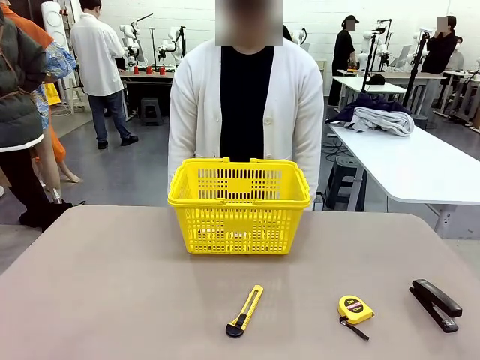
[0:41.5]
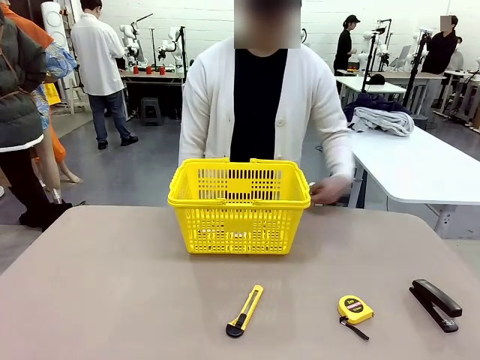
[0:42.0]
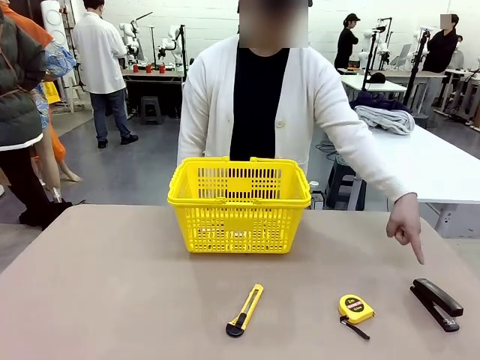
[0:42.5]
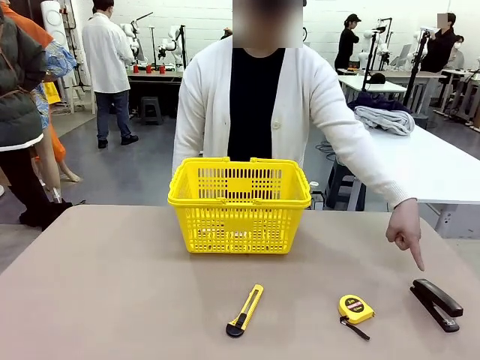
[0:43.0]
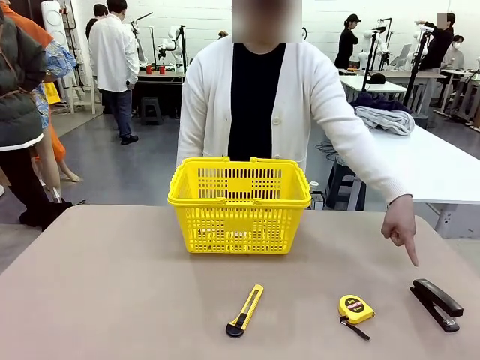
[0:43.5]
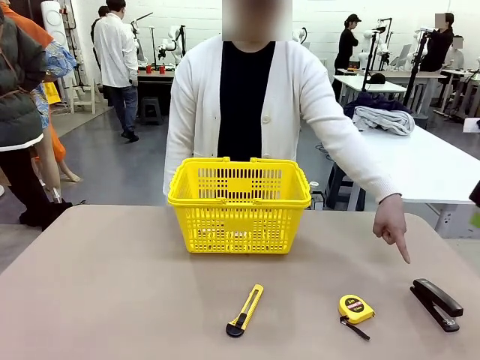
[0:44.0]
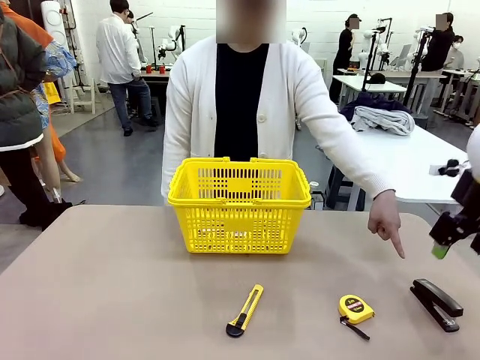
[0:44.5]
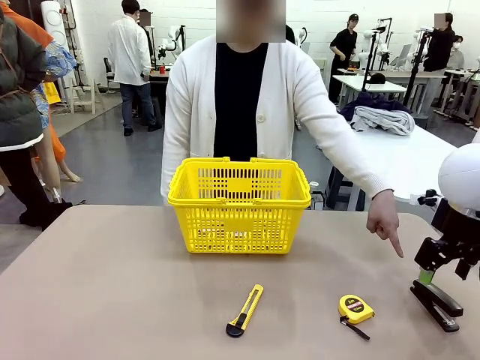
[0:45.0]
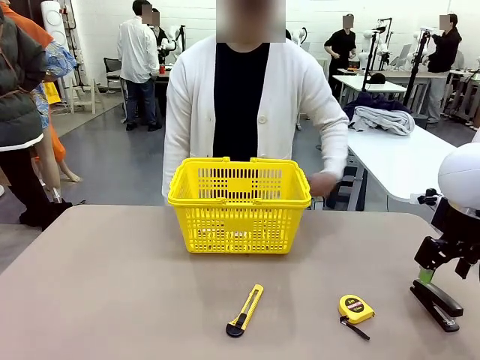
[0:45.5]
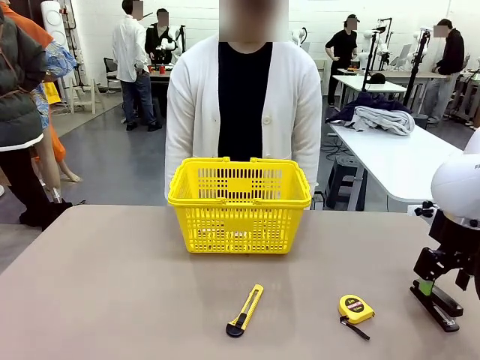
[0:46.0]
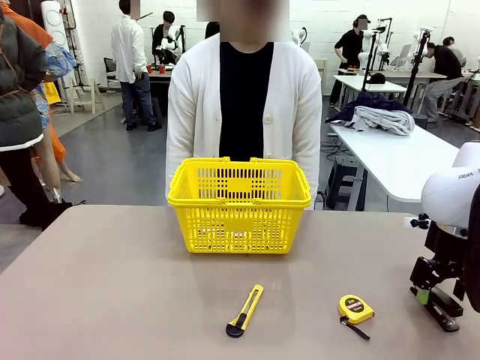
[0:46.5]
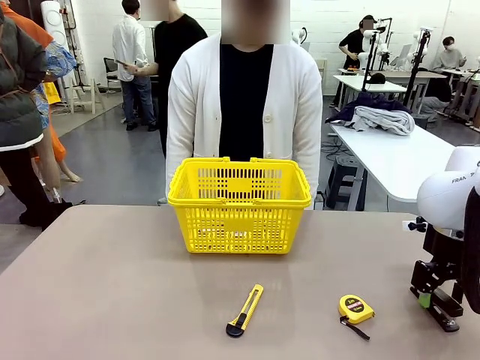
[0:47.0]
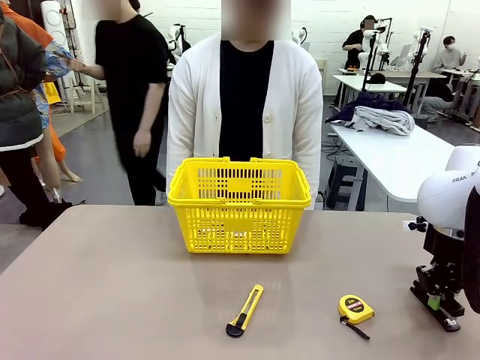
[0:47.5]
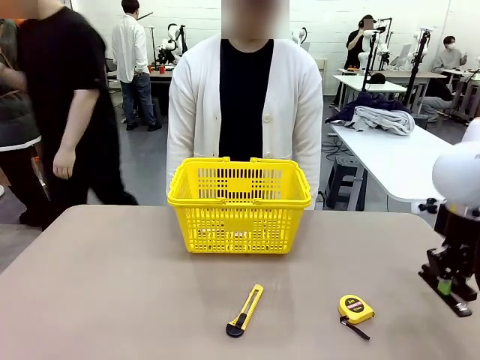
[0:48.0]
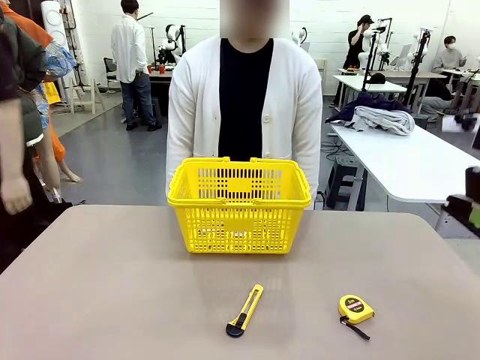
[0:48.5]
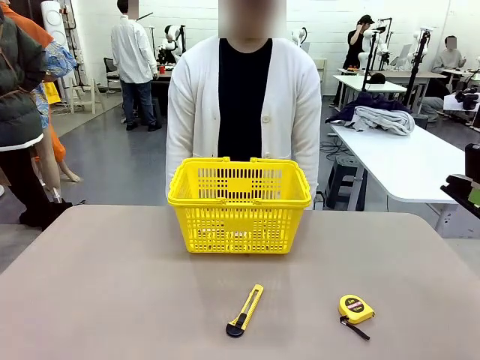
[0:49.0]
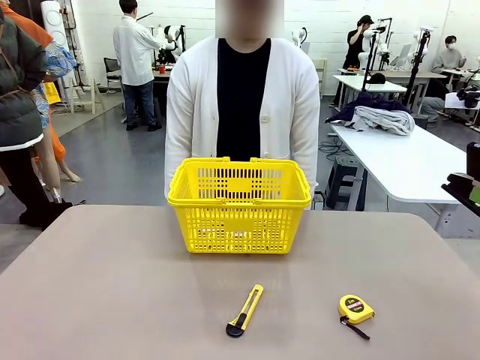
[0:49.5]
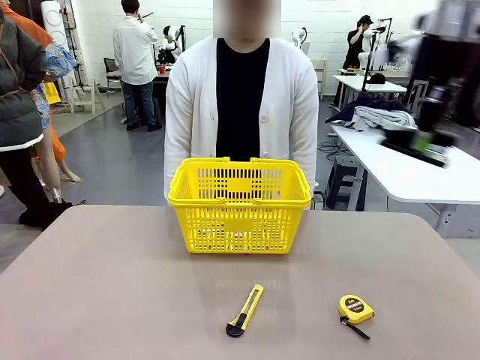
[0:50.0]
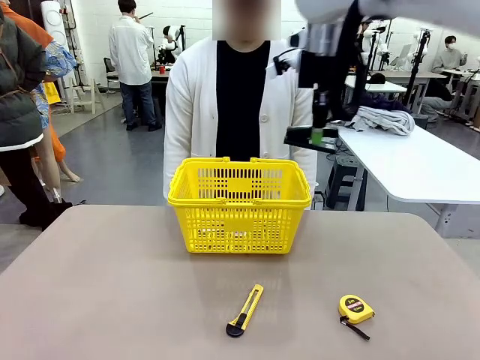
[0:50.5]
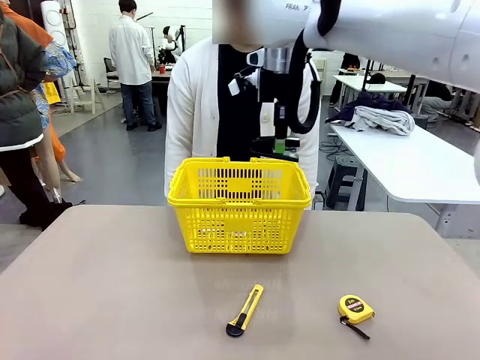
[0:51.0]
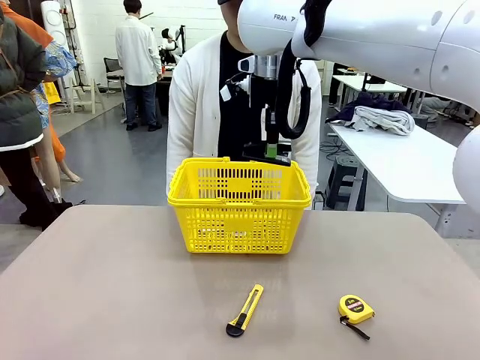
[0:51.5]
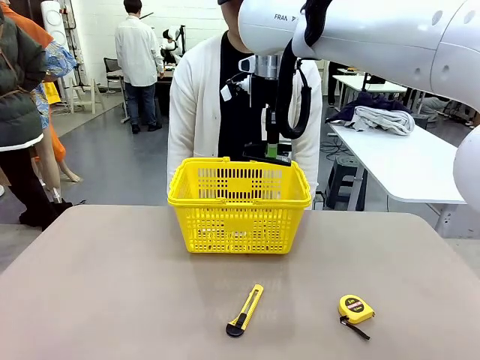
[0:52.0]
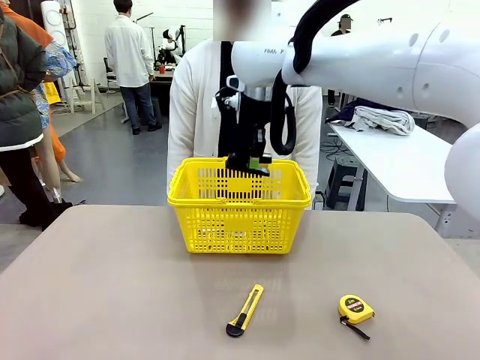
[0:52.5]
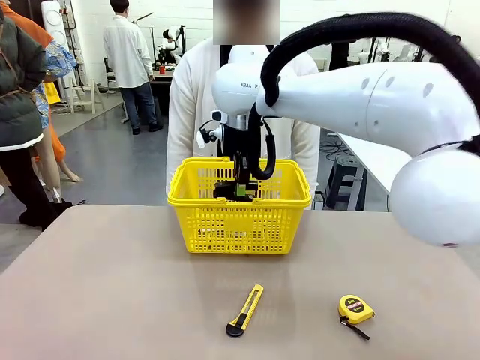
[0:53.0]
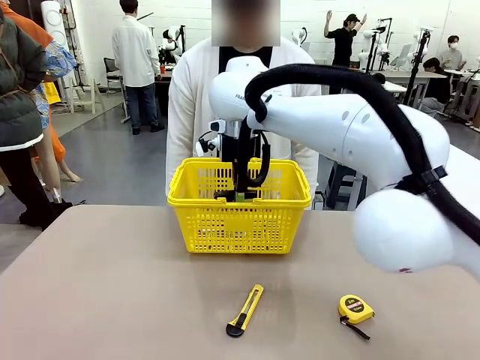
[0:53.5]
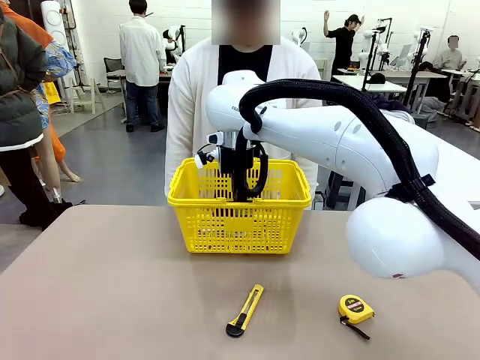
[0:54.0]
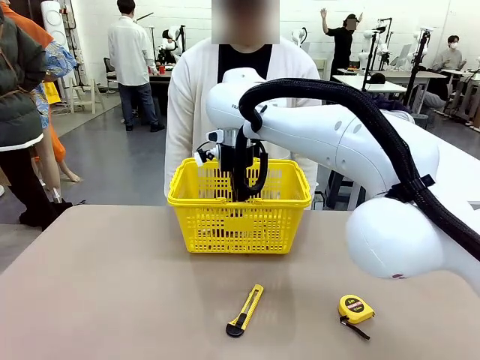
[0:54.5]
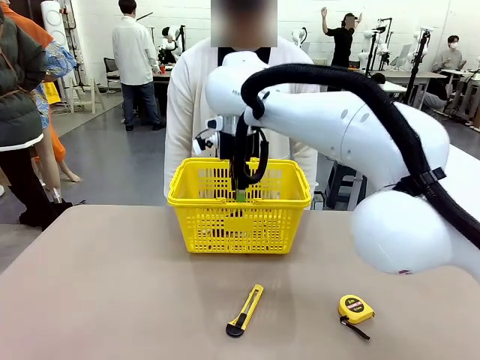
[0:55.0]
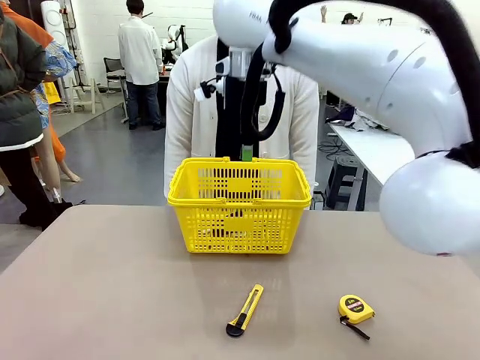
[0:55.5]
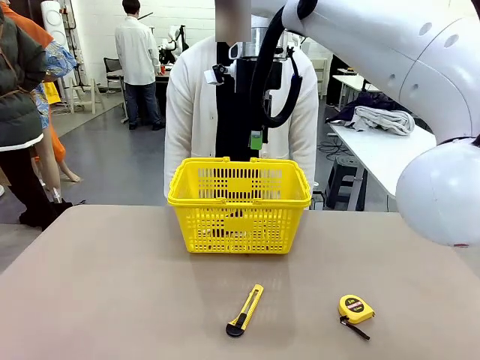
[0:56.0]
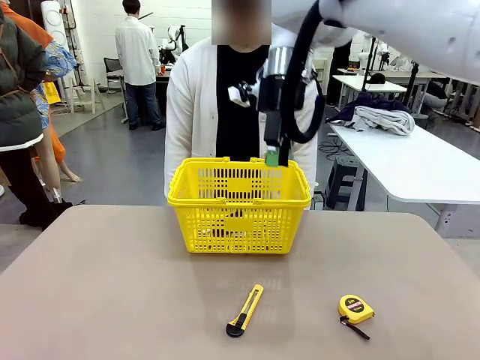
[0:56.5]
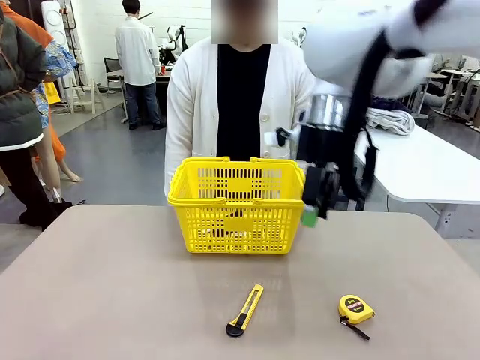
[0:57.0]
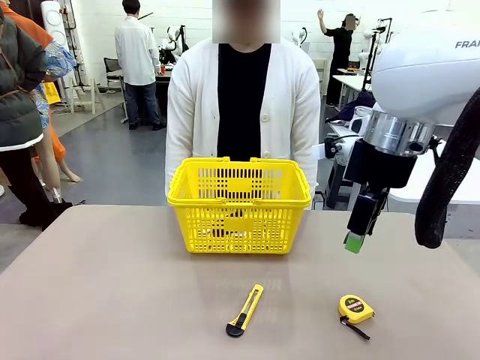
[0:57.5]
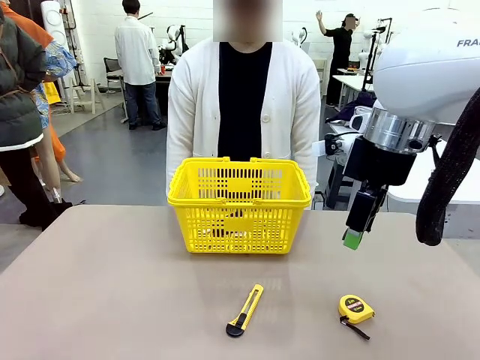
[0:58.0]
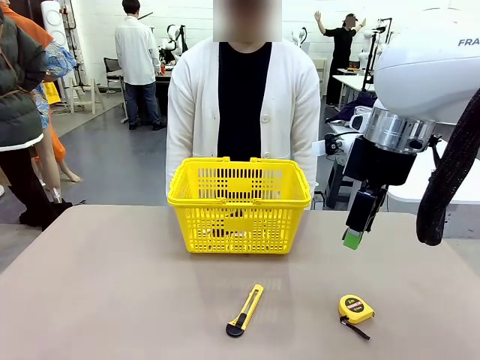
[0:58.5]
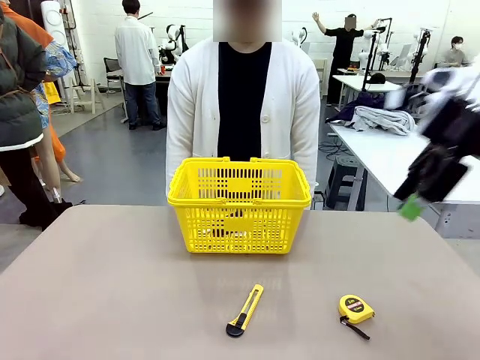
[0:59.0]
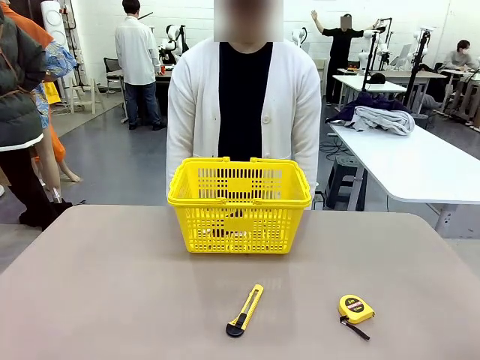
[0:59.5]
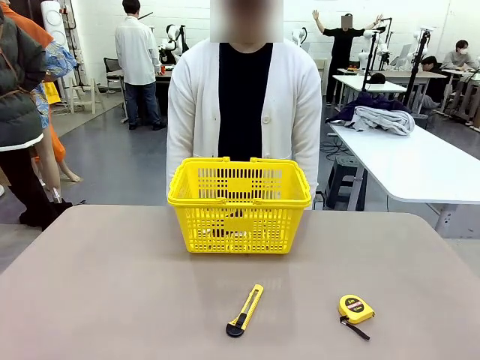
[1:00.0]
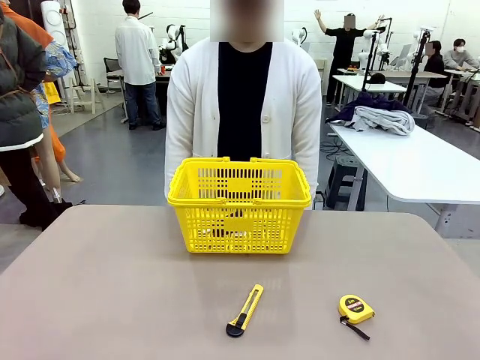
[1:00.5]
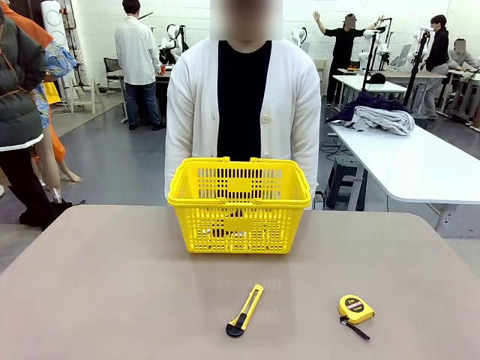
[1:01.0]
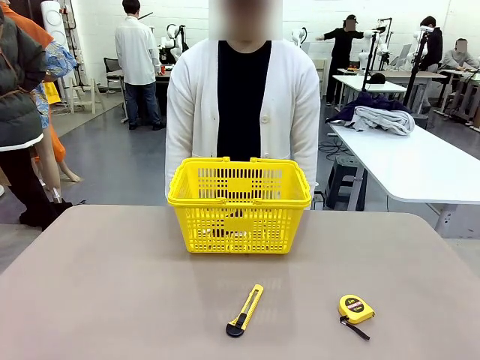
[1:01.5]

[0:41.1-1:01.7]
Task: Place the items the person wants into the basket.
Robot: Pick up the item the person points to and place it in the Market Basket.
